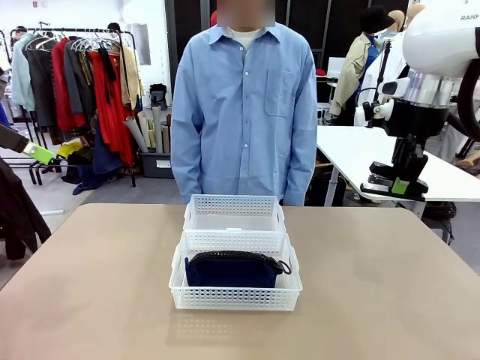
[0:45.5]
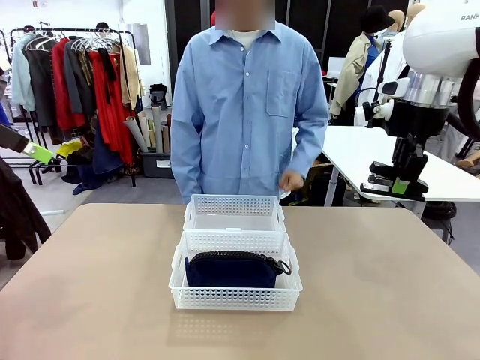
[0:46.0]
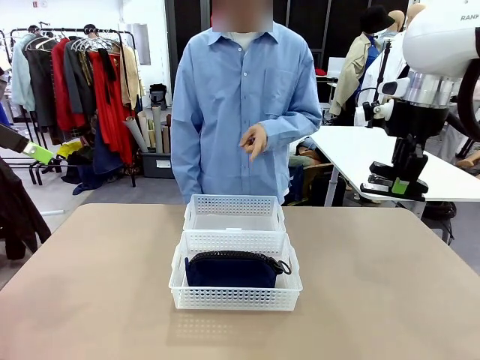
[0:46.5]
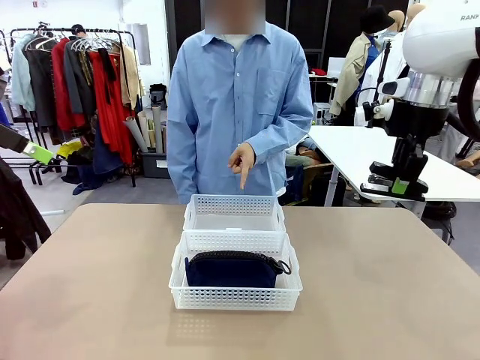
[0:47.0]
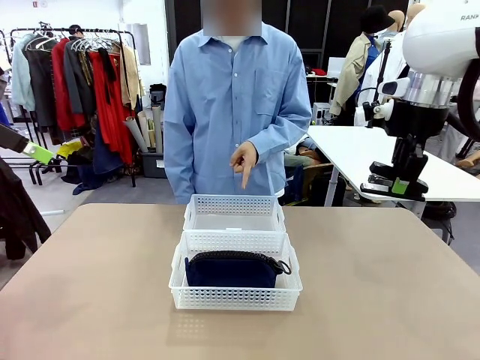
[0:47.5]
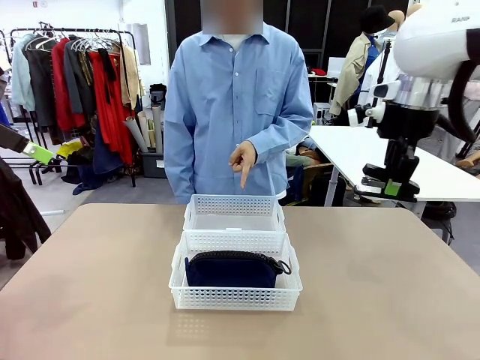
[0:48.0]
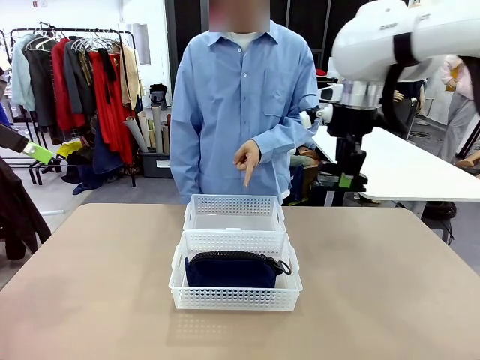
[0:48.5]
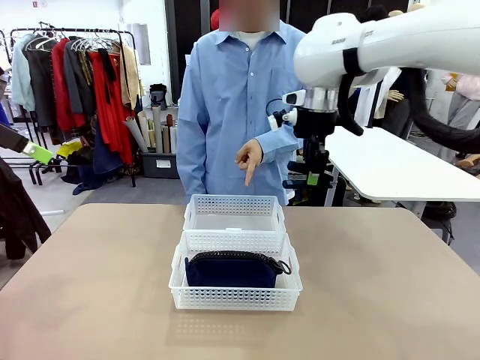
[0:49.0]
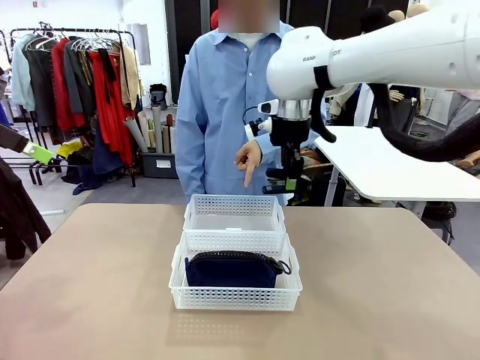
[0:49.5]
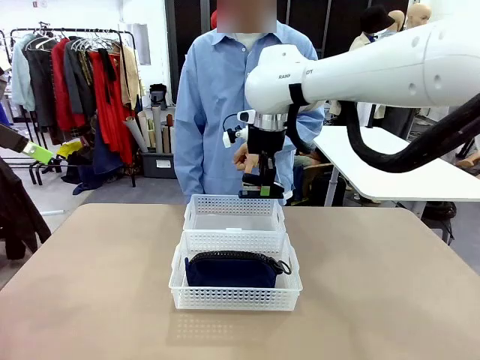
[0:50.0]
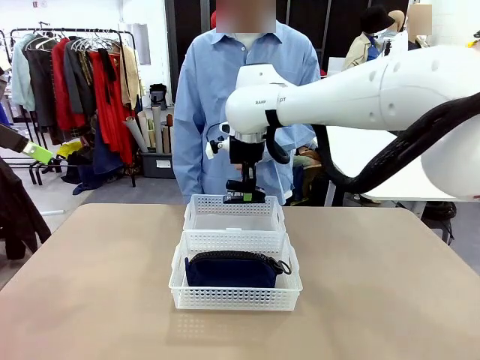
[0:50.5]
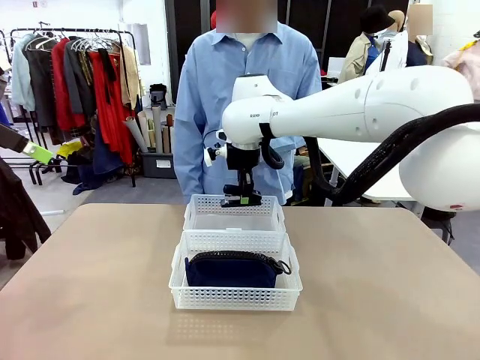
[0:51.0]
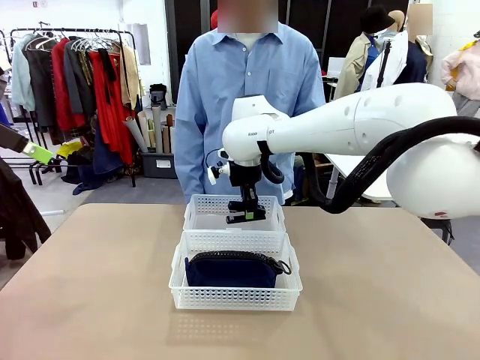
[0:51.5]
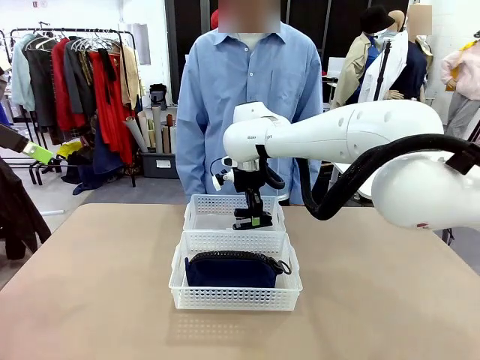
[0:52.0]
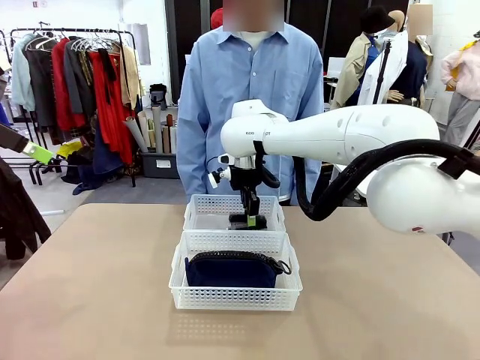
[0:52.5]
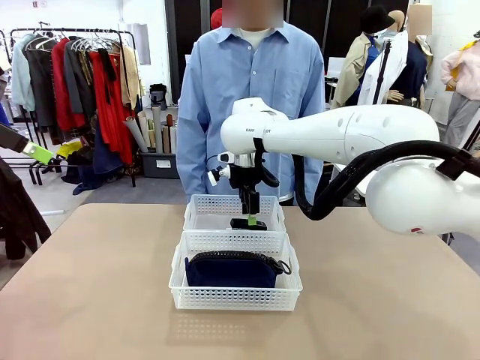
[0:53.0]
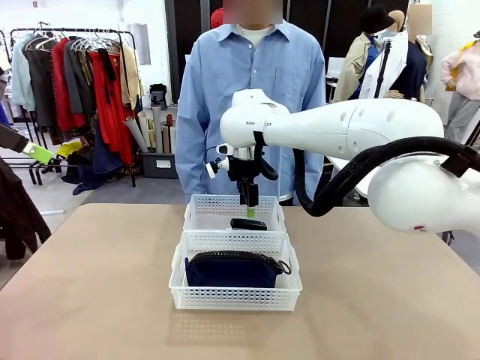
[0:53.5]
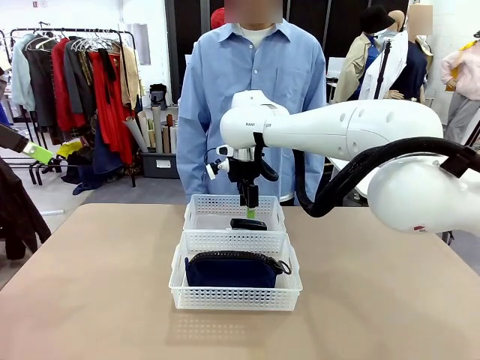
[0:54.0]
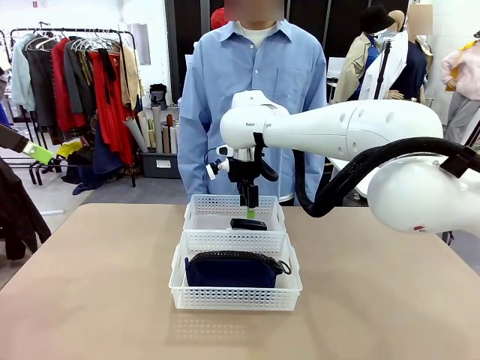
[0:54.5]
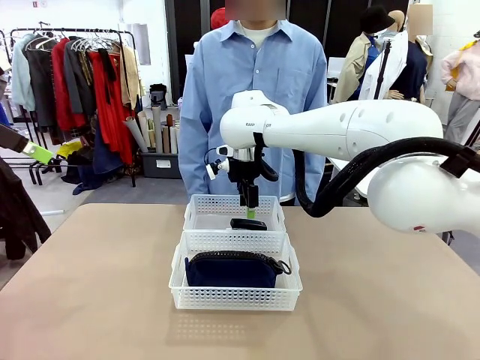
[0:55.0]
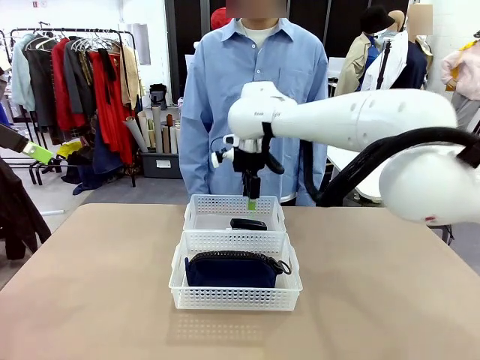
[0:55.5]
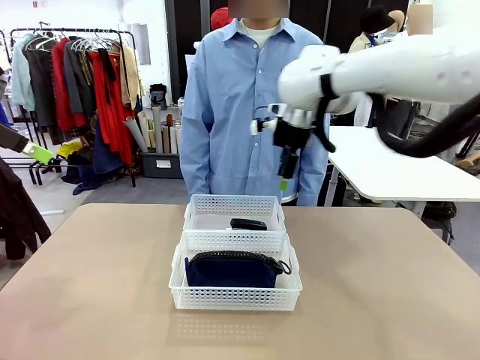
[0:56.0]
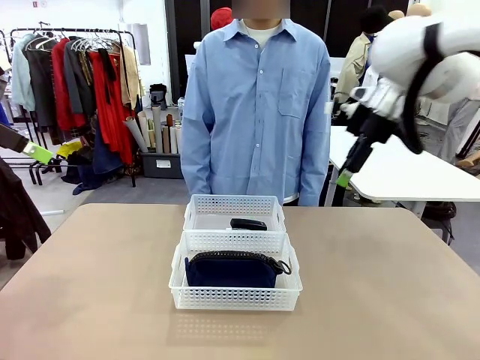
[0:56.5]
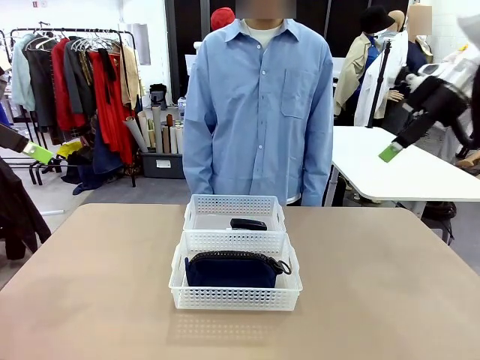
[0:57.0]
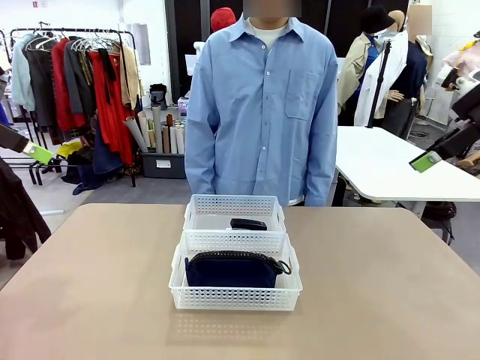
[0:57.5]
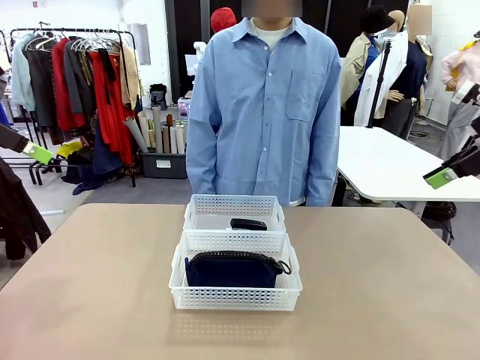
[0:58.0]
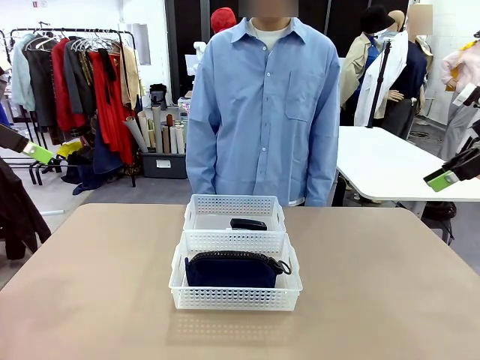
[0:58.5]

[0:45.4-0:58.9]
Task: Distribute items into two baskets.
Robot: Place the picked Stapler into the Organizing basket as instructed by the person.
Person: Points to the basket that does not contain the pencil case and instructs the robot to move the stapler there.

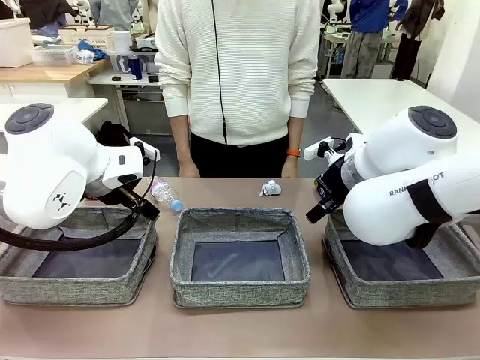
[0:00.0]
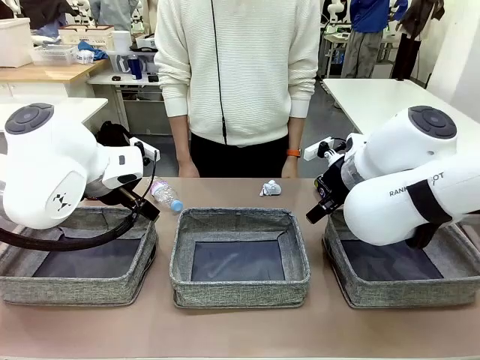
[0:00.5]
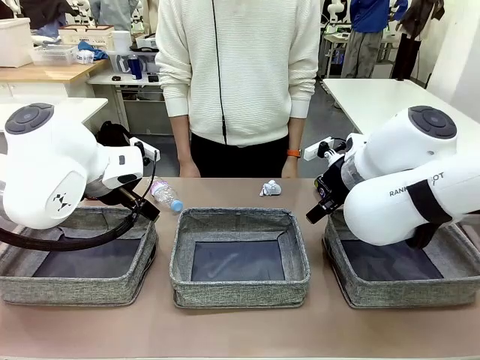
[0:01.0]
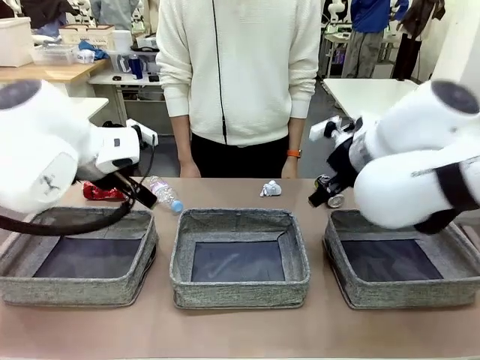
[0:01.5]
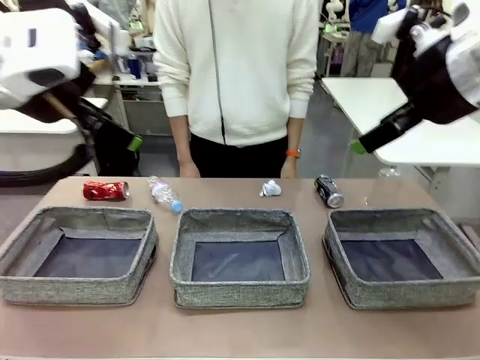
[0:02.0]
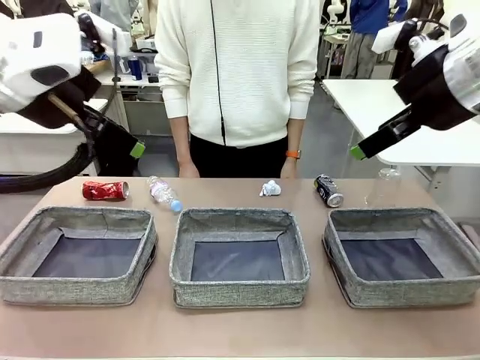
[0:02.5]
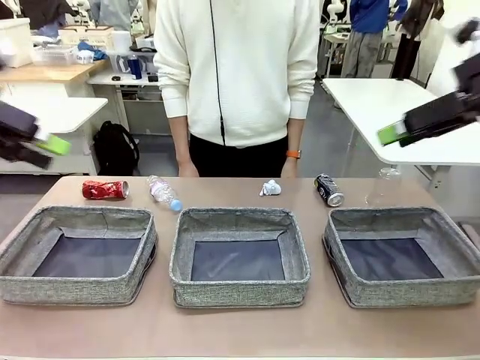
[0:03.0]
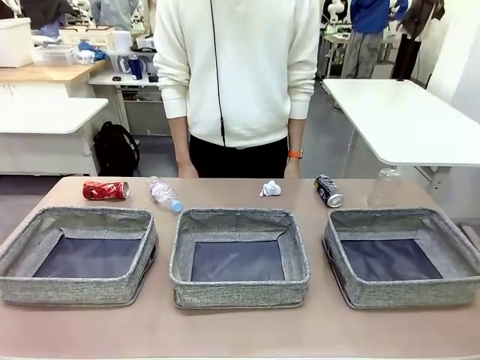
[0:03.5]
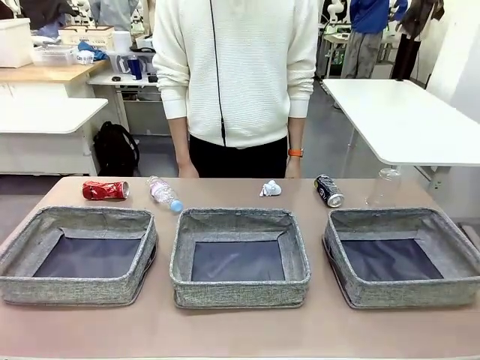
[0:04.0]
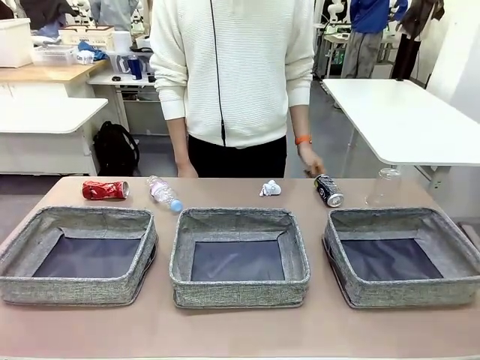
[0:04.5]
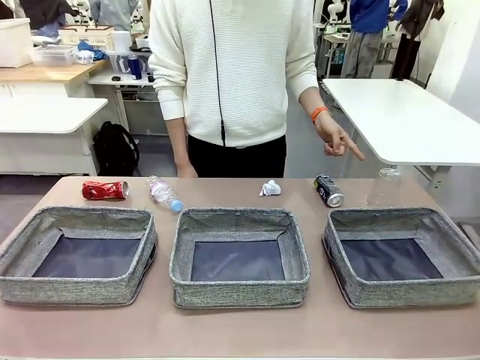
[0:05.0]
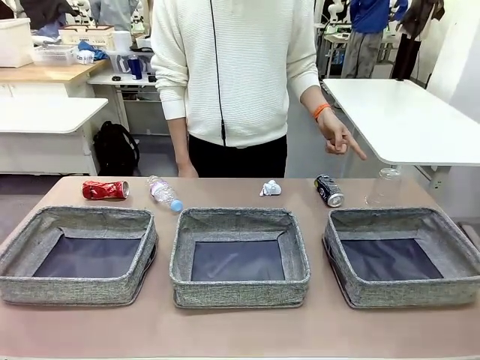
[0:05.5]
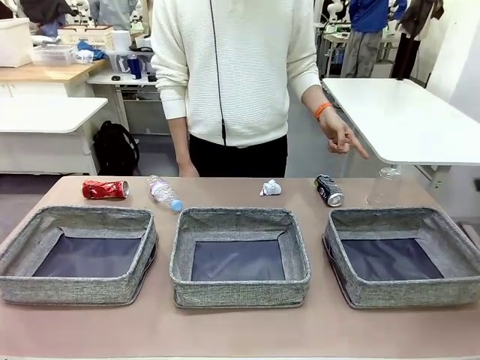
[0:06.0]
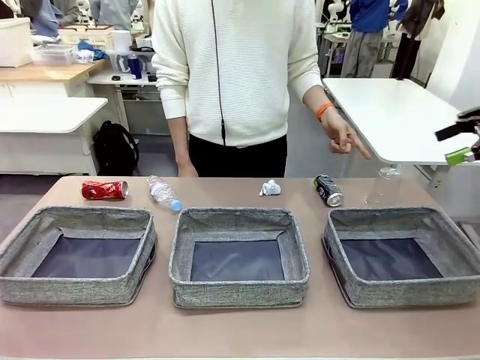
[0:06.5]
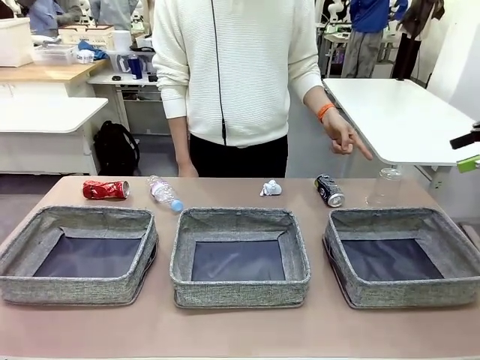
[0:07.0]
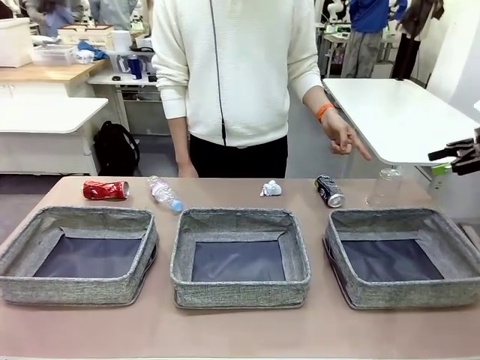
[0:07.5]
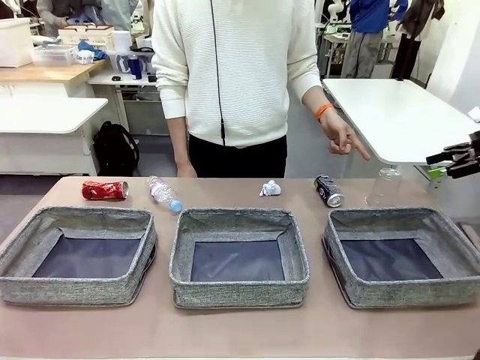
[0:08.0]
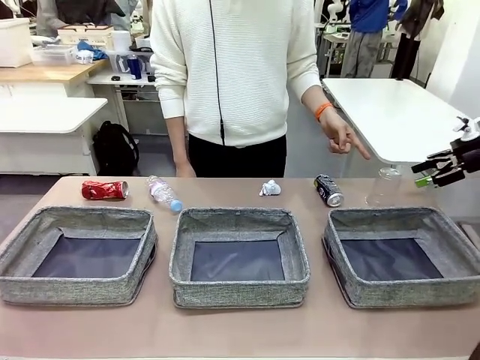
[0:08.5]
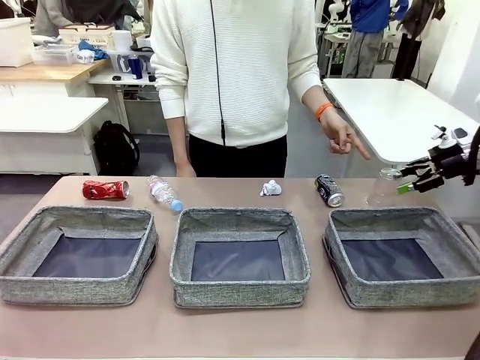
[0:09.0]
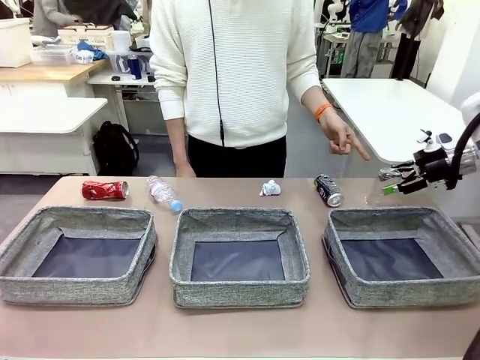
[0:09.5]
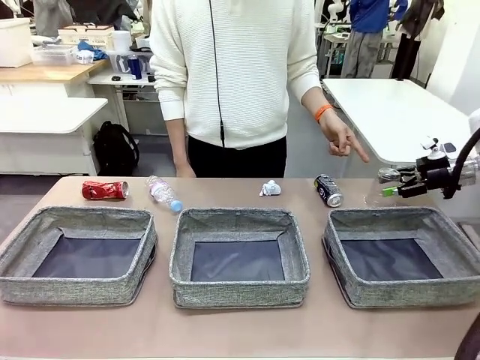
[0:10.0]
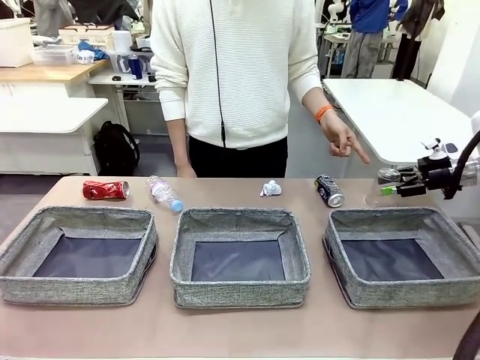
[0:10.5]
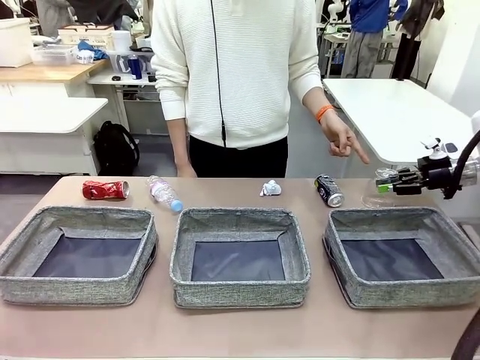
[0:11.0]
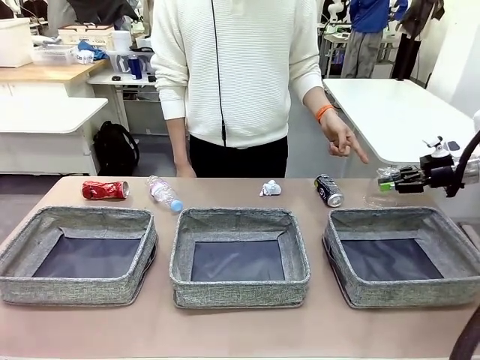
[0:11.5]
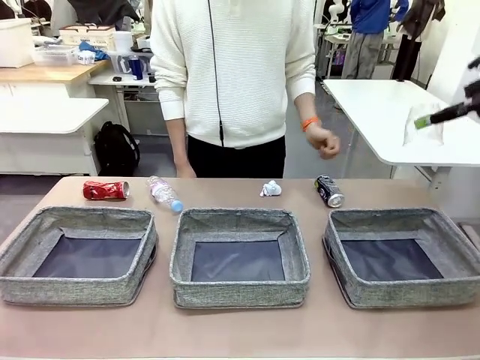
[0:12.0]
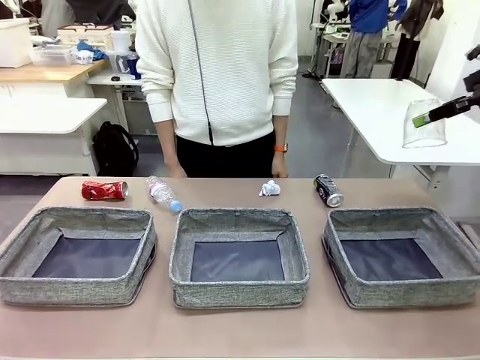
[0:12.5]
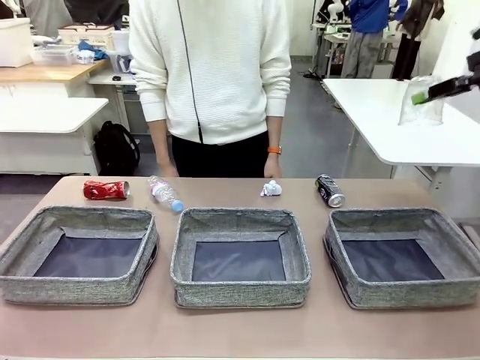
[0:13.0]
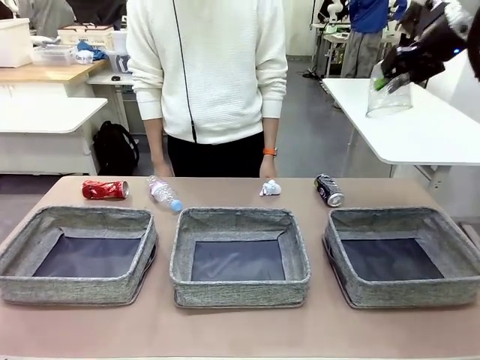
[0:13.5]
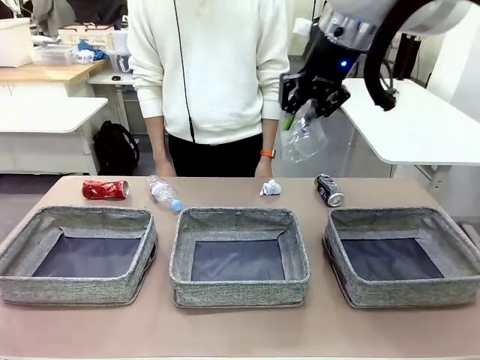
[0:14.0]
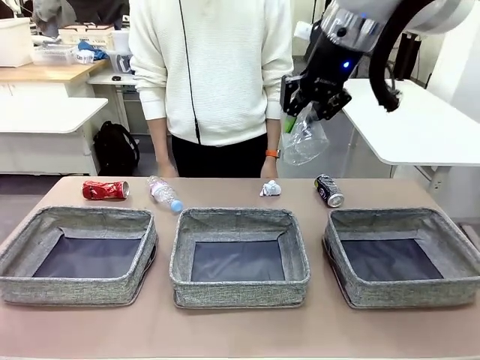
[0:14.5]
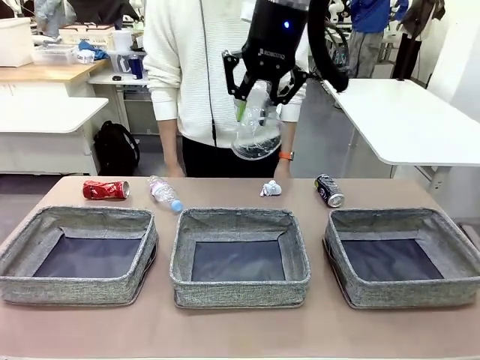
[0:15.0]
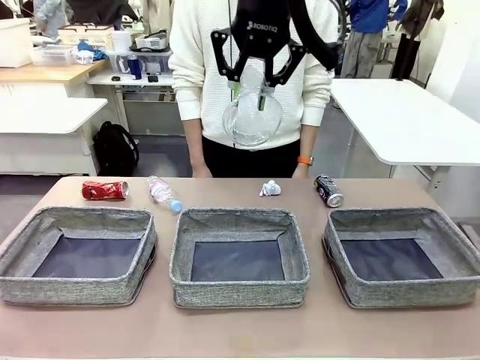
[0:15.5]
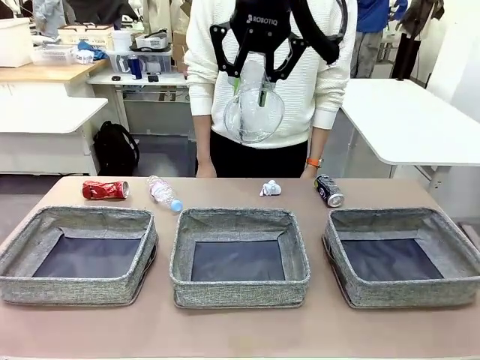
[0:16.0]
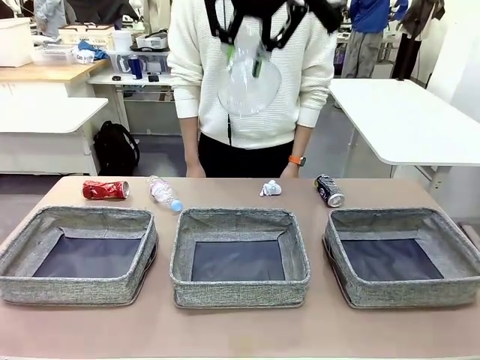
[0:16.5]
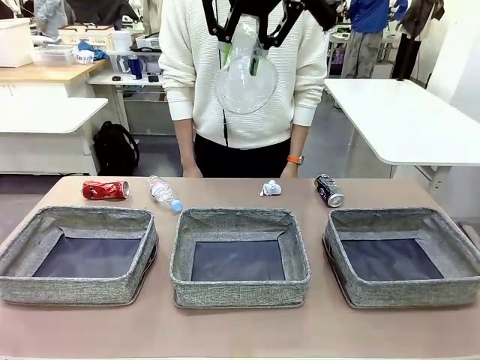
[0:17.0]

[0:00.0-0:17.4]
Task: Sort the waste into the appropriate baskets.
Robot: Pick up the waste item pointed out by the person.
Person: Points to one piece of trash on the table.
